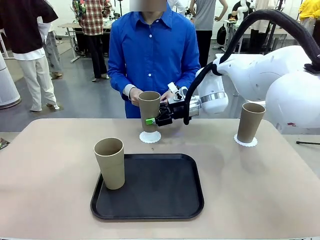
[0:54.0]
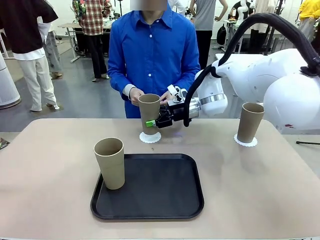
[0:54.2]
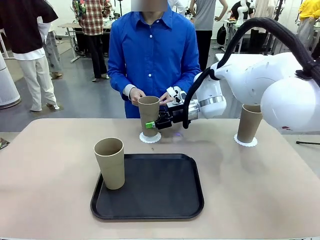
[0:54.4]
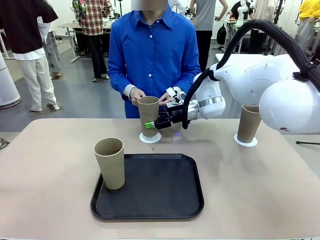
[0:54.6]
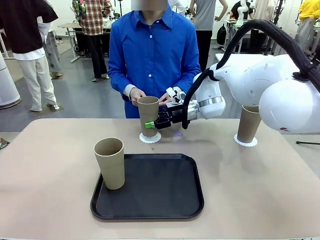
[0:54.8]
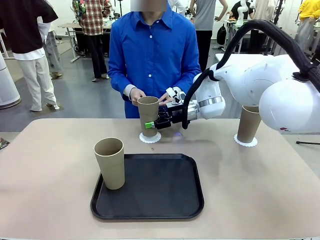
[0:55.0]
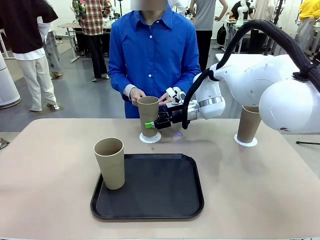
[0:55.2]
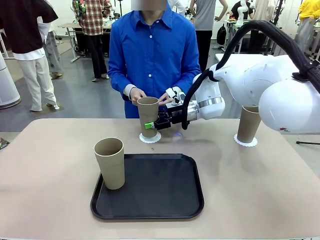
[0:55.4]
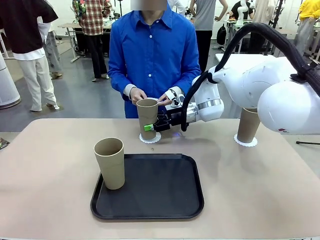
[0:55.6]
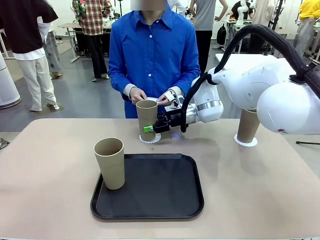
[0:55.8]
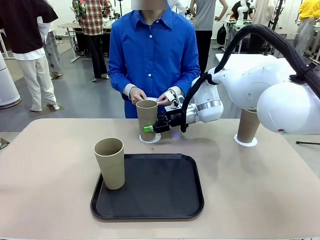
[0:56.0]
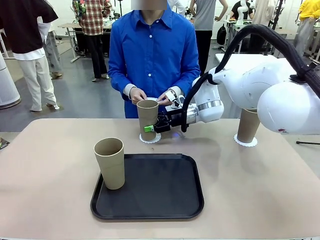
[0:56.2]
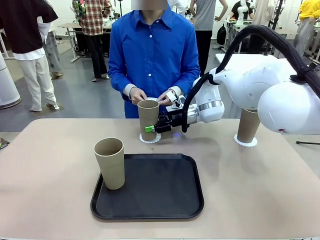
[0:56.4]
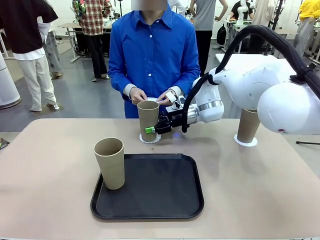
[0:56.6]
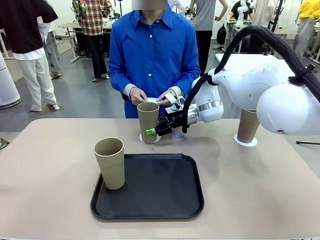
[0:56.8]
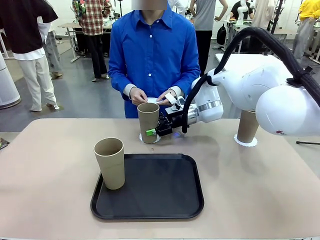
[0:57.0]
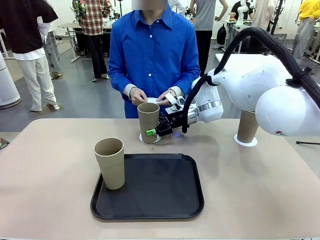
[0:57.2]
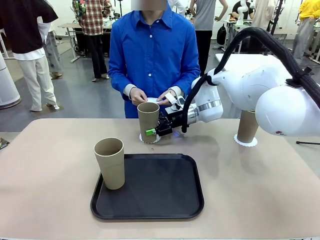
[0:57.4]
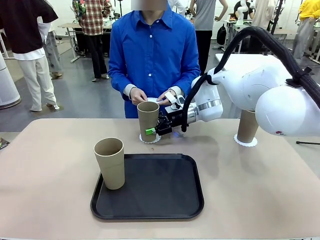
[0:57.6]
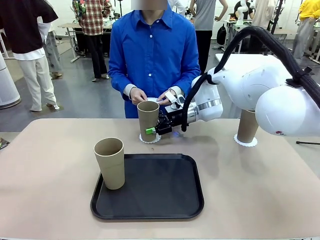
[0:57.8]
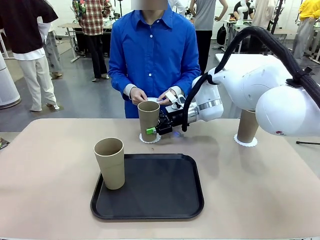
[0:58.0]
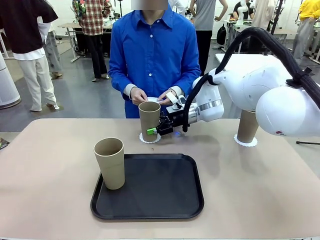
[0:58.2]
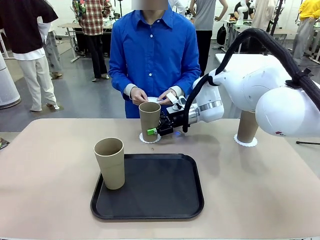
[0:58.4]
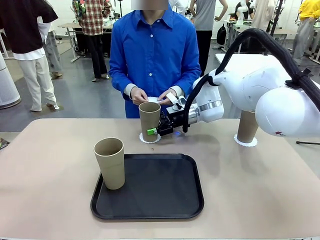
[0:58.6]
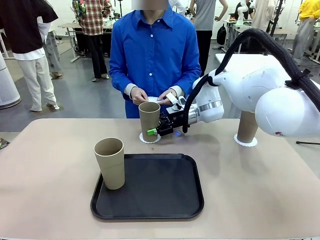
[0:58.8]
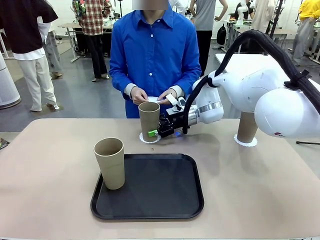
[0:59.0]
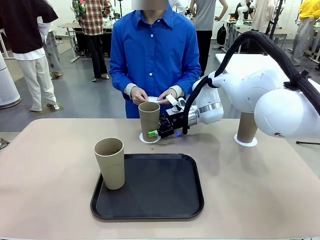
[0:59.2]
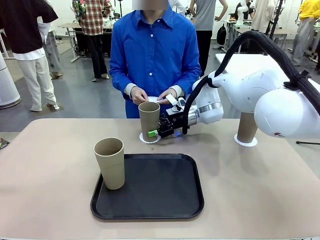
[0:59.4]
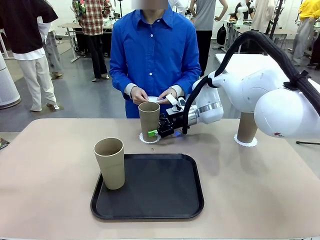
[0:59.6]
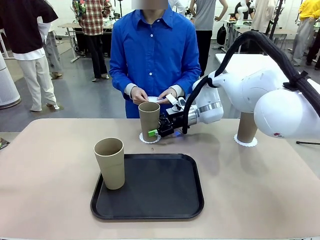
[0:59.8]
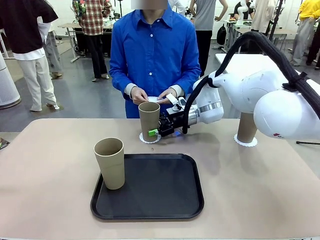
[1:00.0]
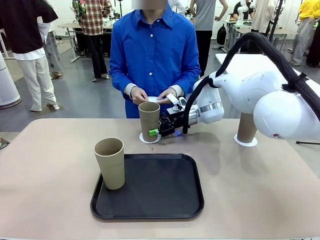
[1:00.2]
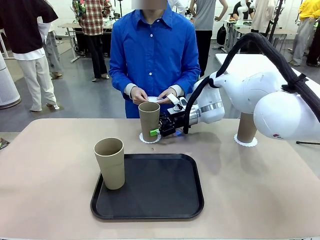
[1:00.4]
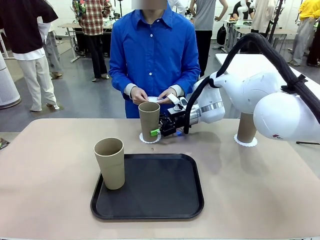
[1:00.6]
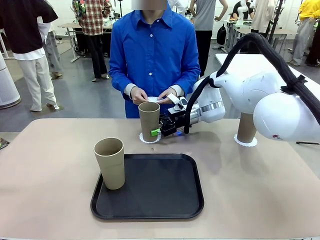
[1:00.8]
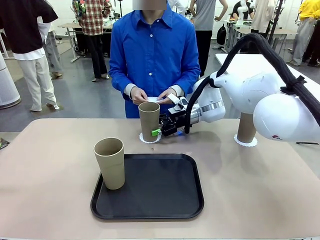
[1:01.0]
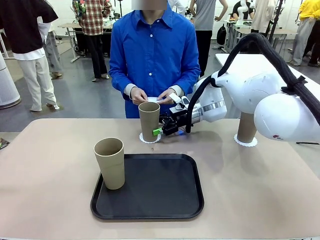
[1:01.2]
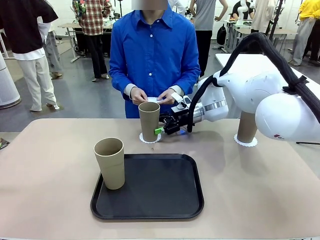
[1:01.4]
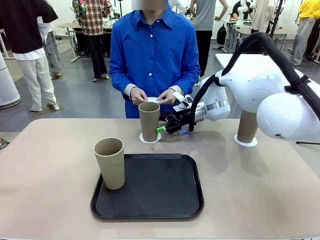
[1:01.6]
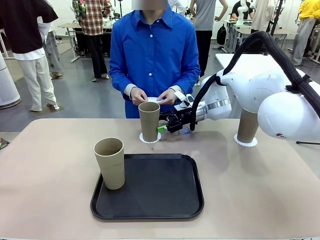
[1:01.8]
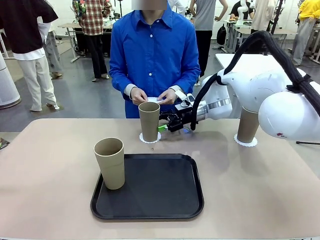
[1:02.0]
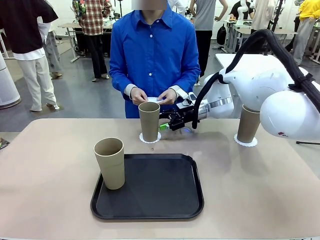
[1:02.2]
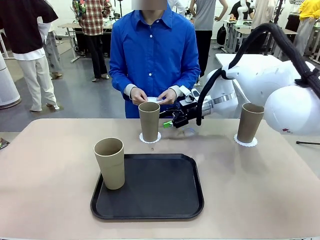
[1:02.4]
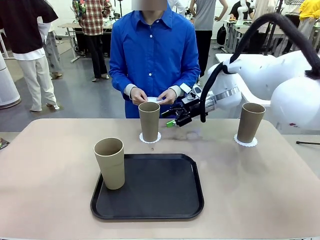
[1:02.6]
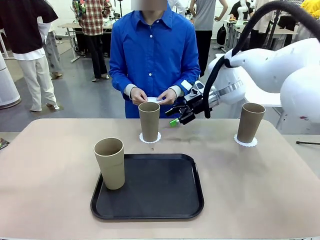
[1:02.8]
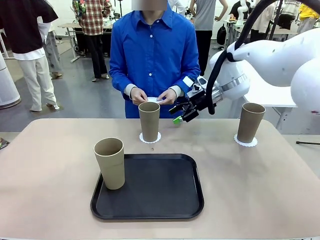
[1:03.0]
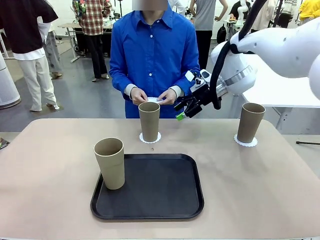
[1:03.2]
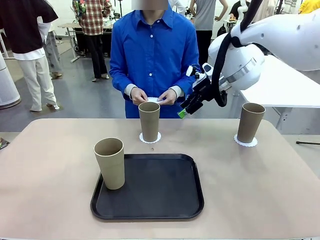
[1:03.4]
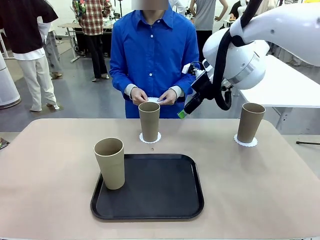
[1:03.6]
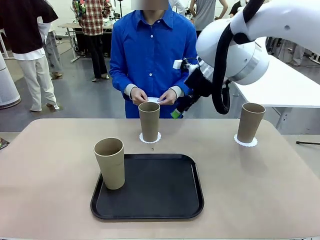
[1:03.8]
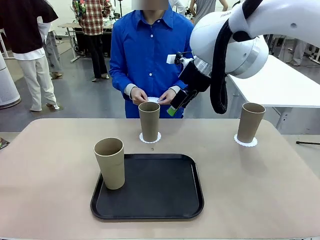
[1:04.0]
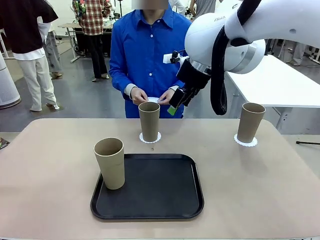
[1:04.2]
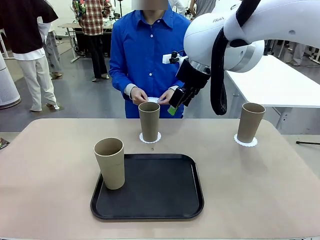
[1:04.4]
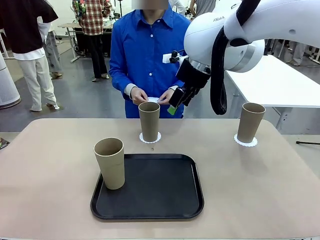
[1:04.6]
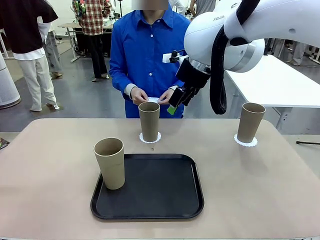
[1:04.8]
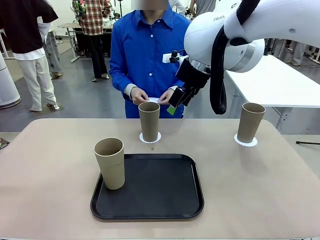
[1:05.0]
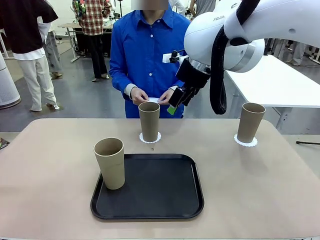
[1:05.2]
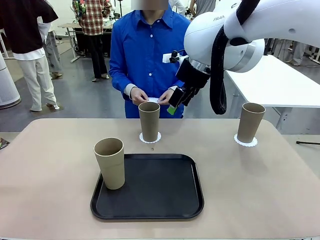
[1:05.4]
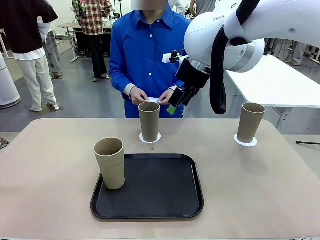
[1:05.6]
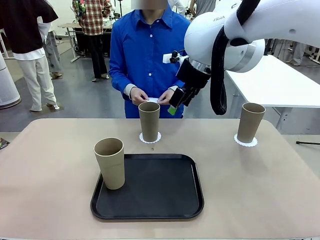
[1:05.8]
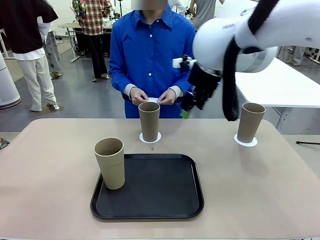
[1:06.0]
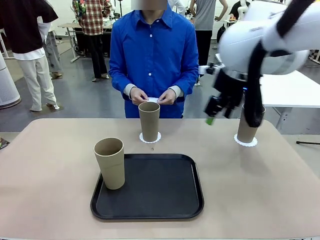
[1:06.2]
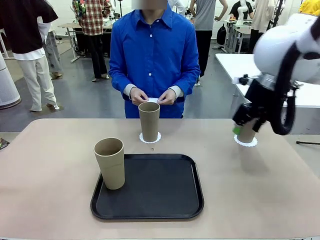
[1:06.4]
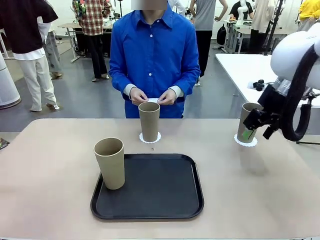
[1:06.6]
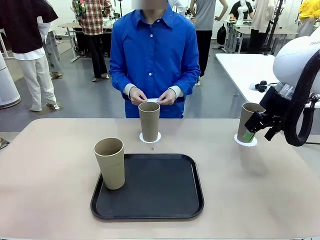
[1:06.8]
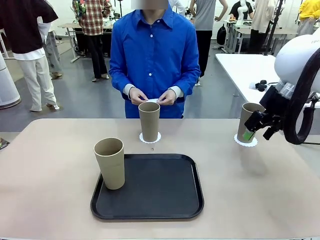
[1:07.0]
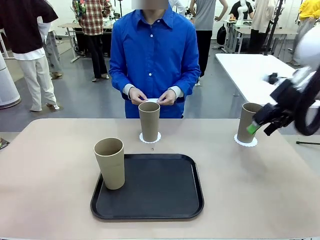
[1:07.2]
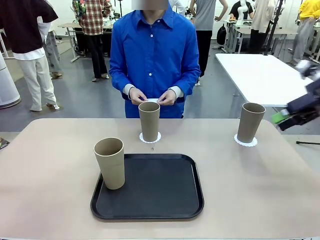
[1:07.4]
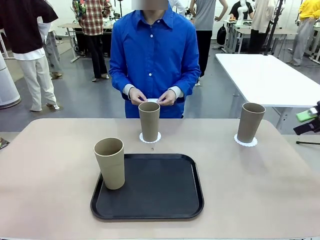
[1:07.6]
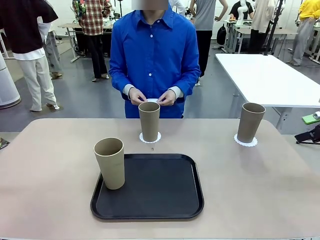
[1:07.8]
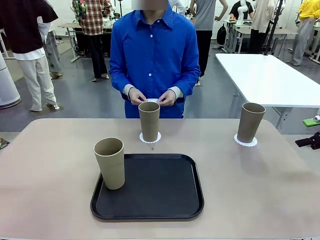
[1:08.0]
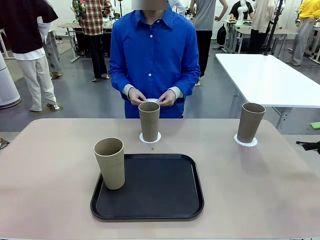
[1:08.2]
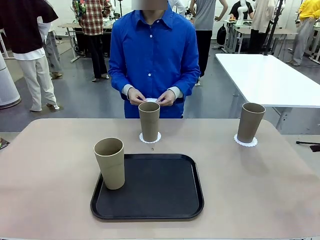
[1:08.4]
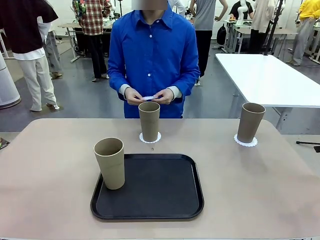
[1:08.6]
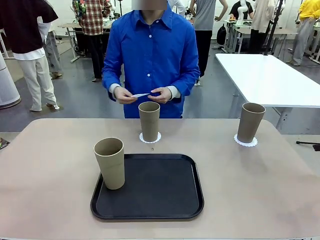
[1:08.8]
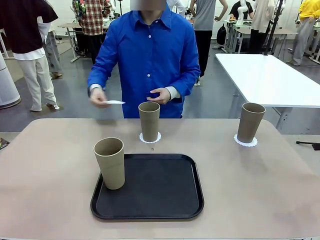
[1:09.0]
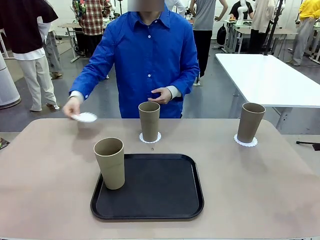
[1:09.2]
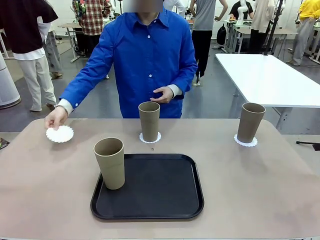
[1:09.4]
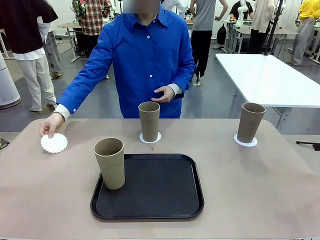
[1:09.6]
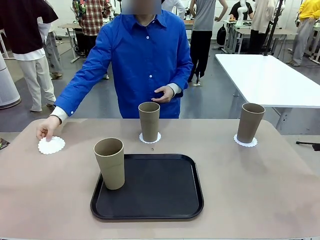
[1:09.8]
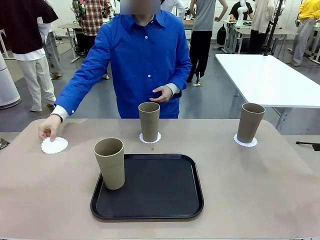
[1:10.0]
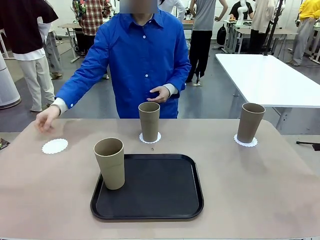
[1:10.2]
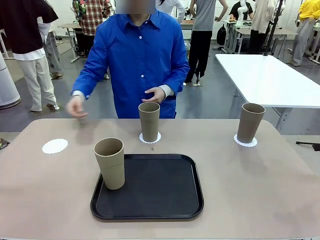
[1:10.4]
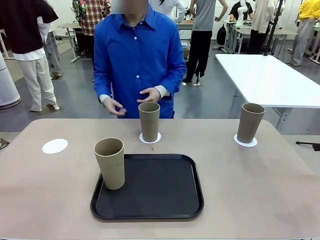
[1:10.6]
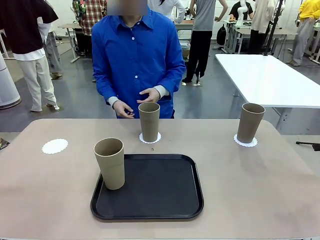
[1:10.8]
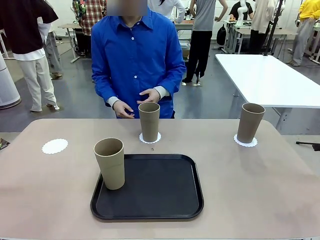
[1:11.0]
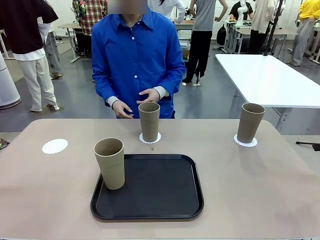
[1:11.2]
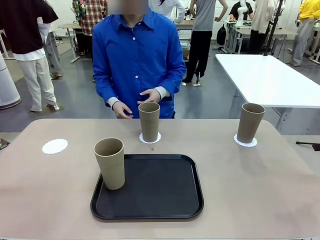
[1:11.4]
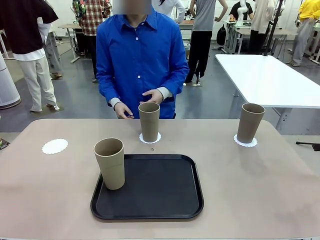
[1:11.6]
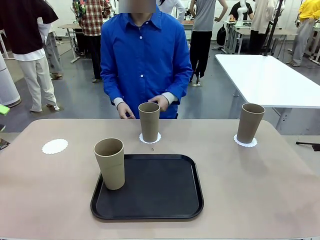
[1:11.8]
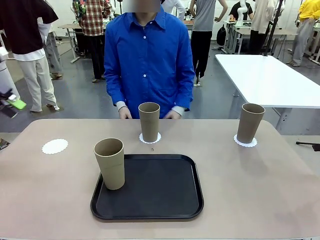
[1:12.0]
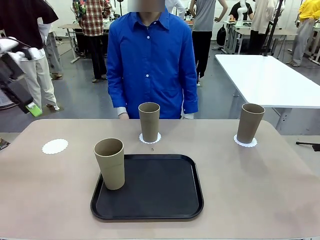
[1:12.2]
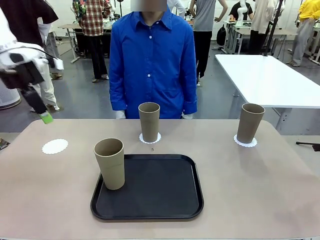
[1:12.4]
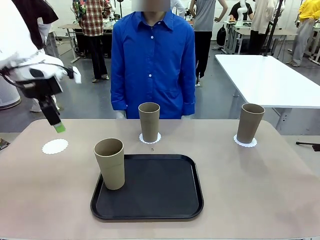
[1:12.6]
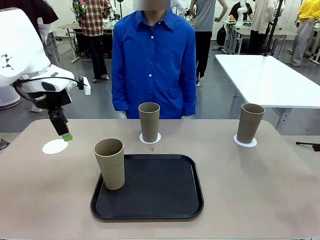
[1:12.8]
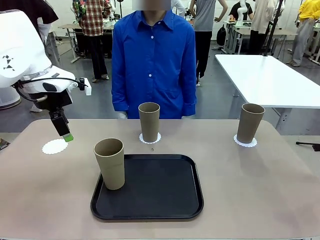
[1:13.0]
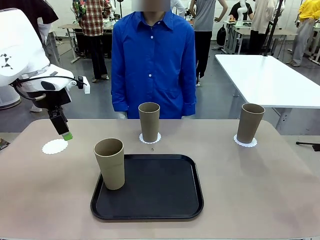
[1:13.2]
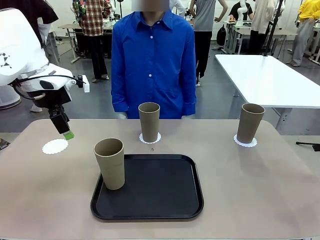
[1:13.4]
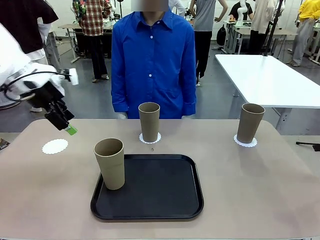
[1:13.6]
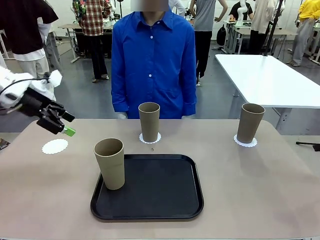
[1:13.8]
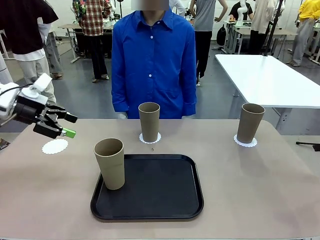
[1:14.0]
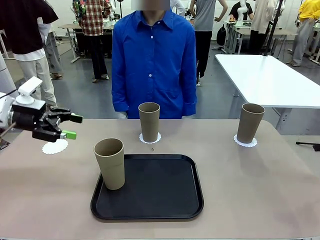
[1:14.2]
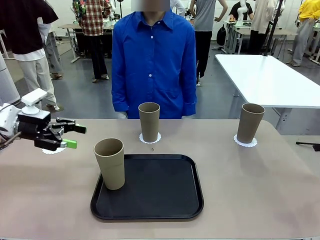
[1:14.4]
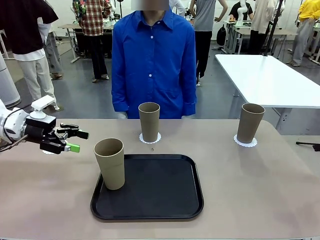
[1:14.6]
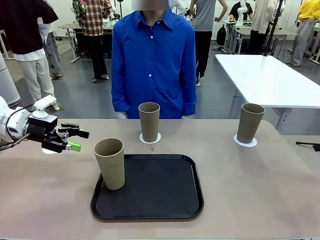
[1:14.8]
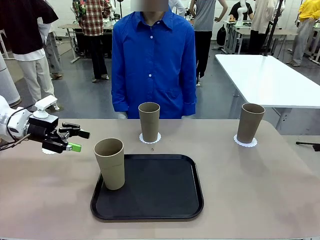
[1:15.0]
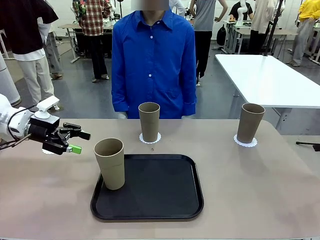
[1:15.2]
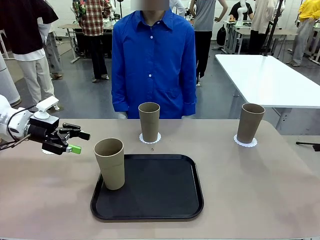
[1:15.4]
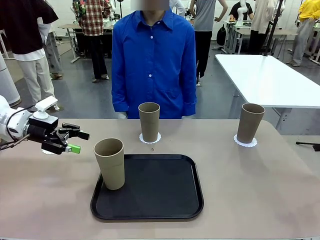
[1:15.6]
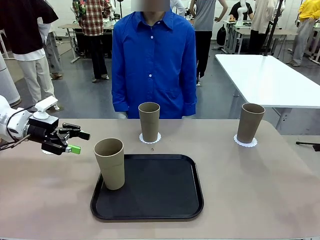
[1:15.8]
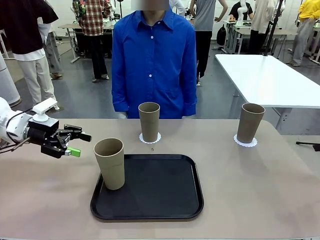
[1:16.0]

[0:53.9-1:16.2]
Task: Place coasters on the table and set cups on them.
Robot: Take one Reusable plastic cup from the Flat Tray and place it on a coaster set by the human.
